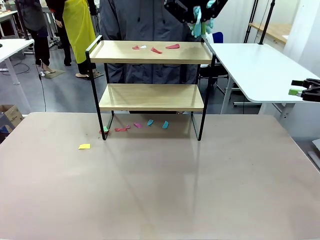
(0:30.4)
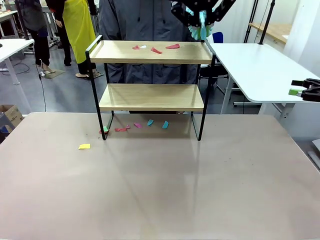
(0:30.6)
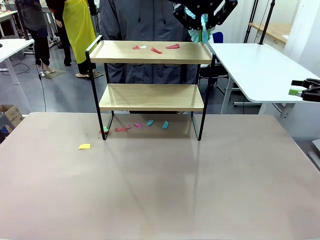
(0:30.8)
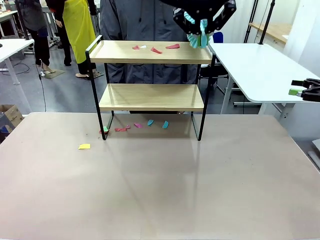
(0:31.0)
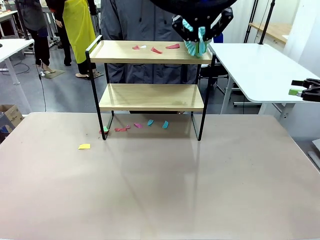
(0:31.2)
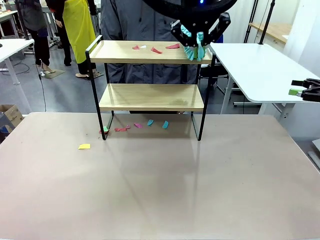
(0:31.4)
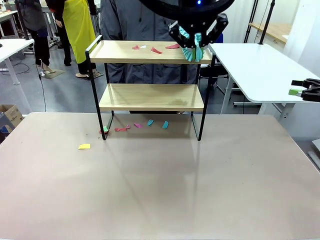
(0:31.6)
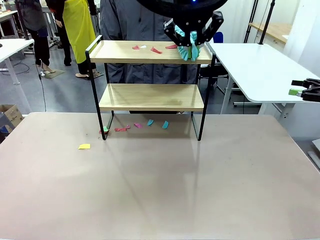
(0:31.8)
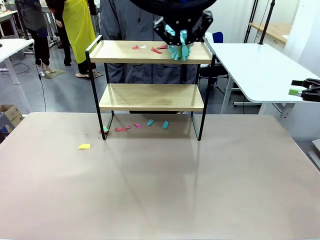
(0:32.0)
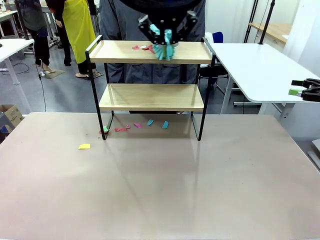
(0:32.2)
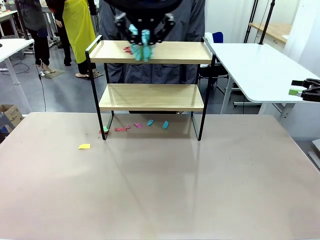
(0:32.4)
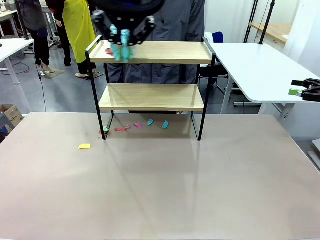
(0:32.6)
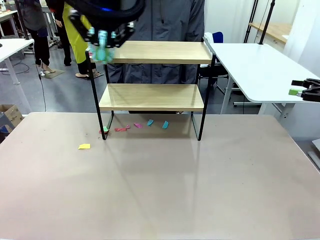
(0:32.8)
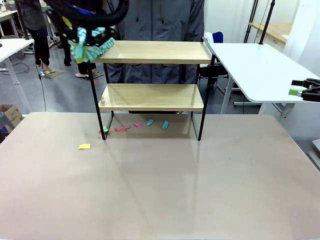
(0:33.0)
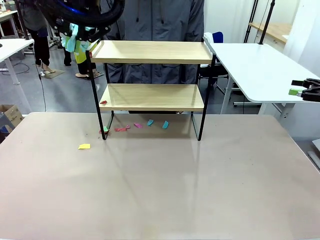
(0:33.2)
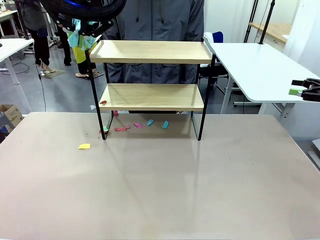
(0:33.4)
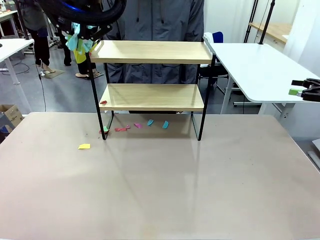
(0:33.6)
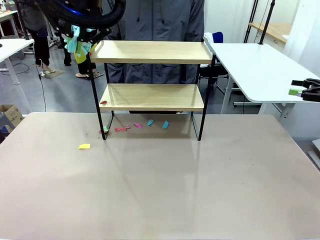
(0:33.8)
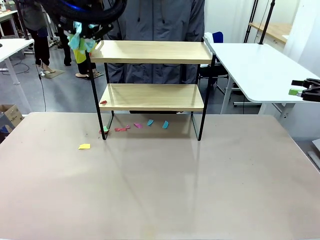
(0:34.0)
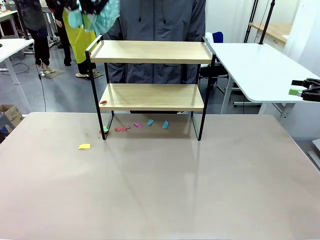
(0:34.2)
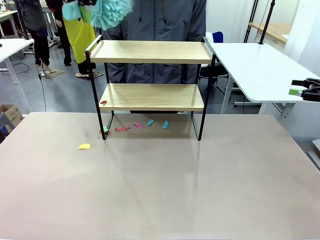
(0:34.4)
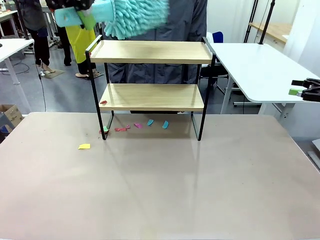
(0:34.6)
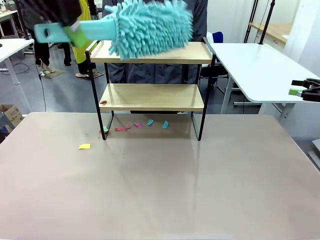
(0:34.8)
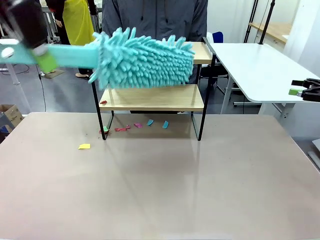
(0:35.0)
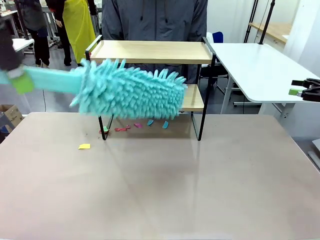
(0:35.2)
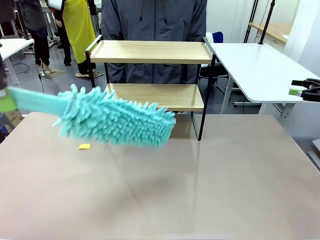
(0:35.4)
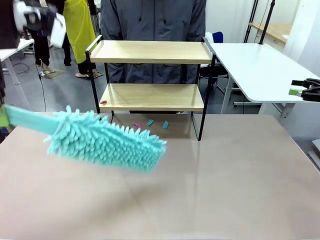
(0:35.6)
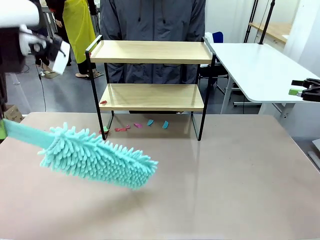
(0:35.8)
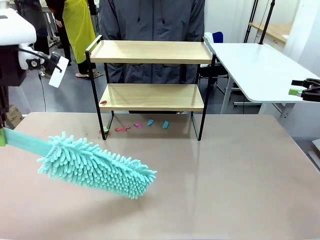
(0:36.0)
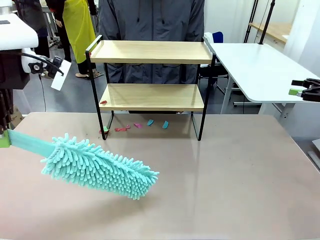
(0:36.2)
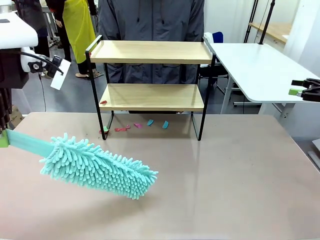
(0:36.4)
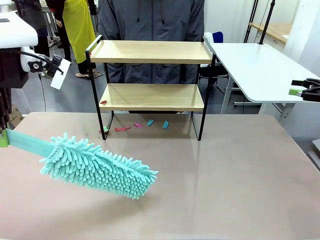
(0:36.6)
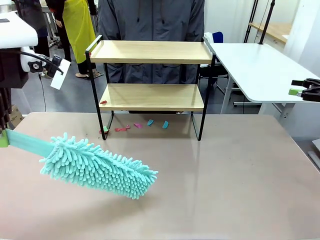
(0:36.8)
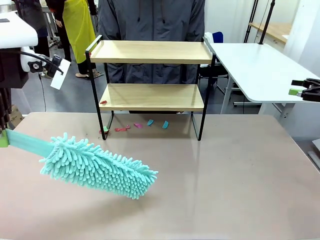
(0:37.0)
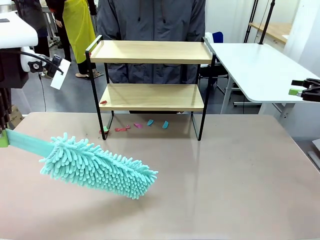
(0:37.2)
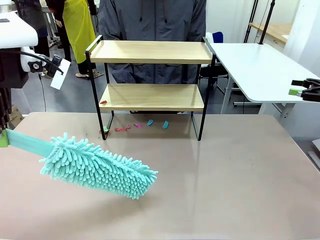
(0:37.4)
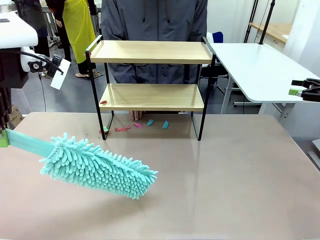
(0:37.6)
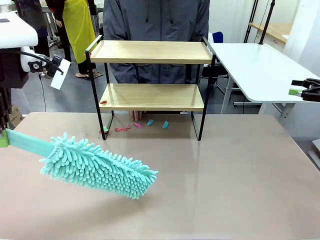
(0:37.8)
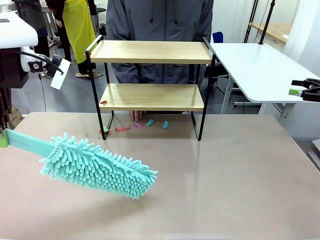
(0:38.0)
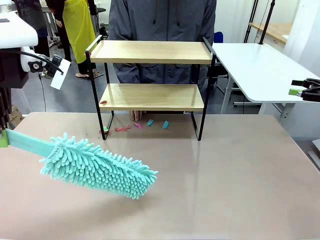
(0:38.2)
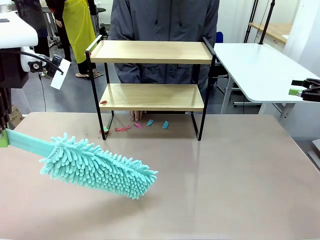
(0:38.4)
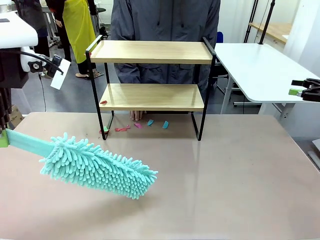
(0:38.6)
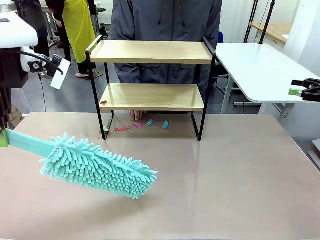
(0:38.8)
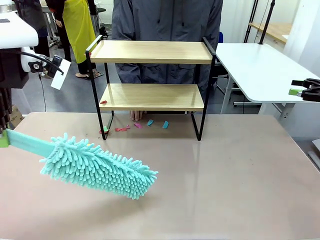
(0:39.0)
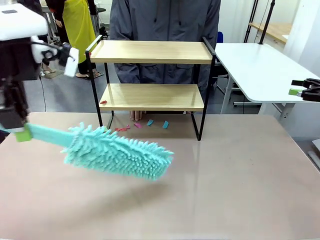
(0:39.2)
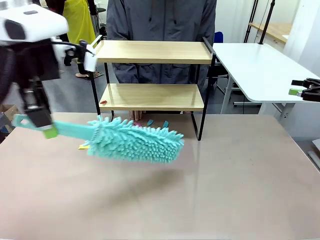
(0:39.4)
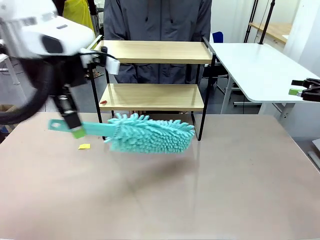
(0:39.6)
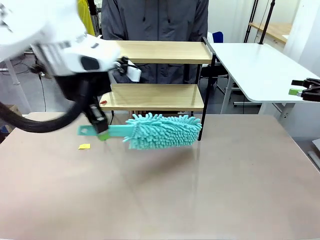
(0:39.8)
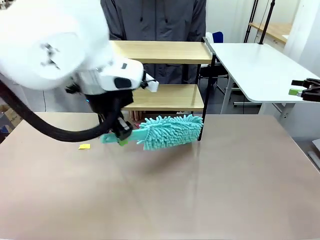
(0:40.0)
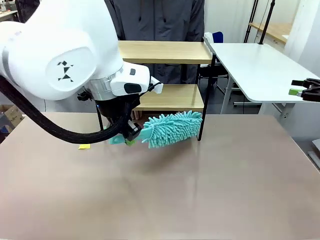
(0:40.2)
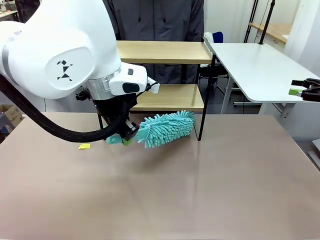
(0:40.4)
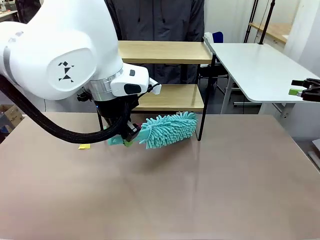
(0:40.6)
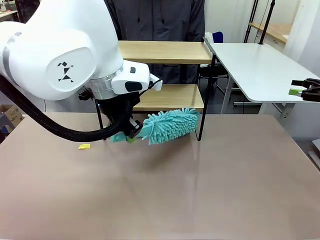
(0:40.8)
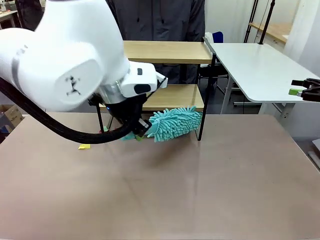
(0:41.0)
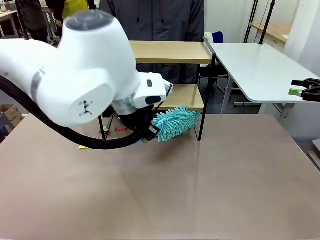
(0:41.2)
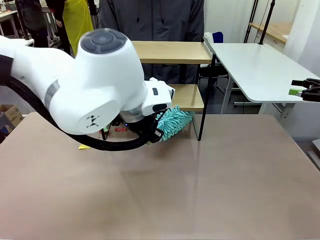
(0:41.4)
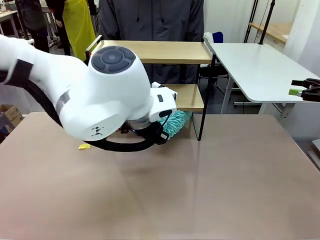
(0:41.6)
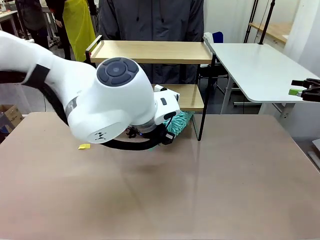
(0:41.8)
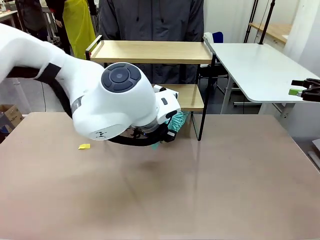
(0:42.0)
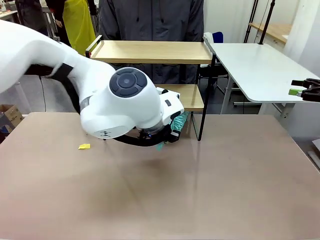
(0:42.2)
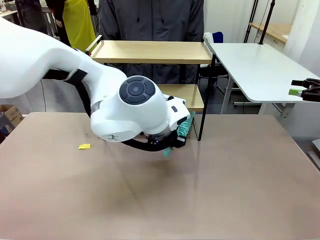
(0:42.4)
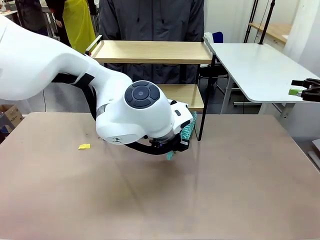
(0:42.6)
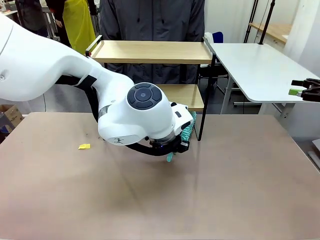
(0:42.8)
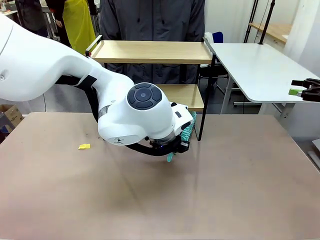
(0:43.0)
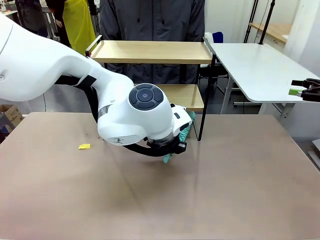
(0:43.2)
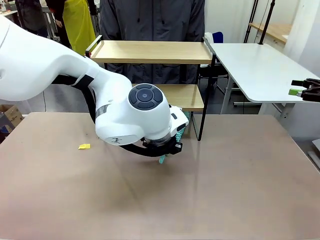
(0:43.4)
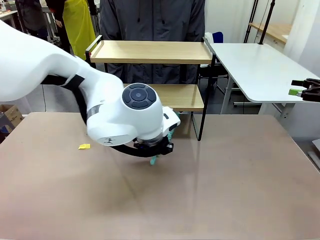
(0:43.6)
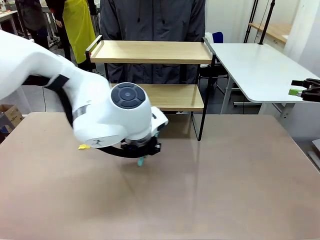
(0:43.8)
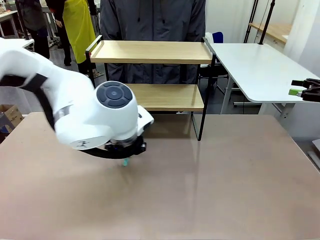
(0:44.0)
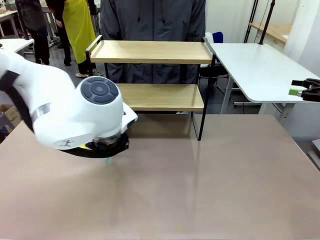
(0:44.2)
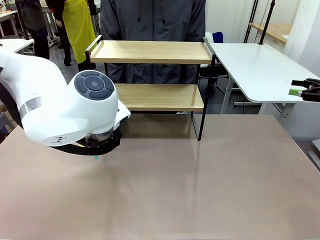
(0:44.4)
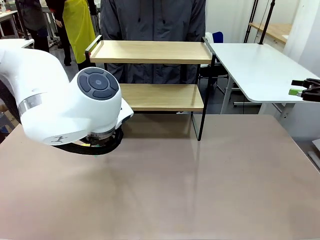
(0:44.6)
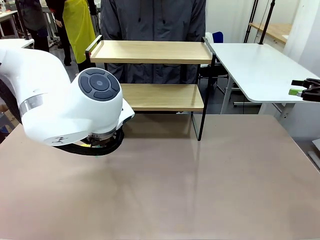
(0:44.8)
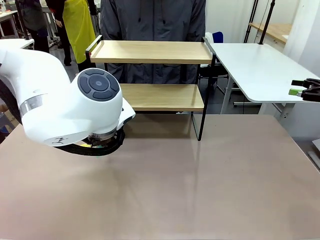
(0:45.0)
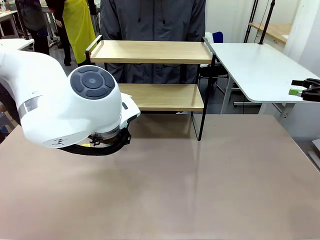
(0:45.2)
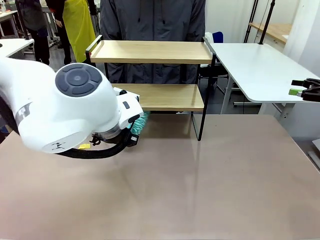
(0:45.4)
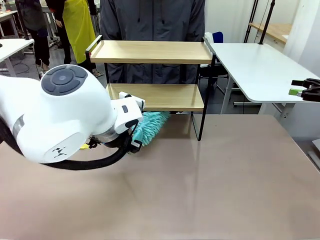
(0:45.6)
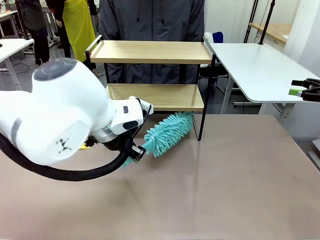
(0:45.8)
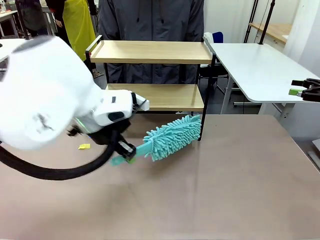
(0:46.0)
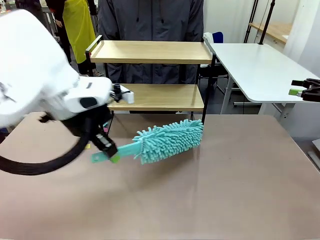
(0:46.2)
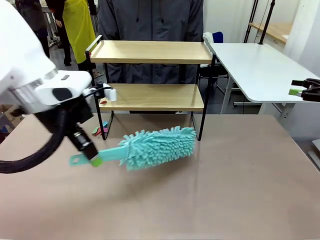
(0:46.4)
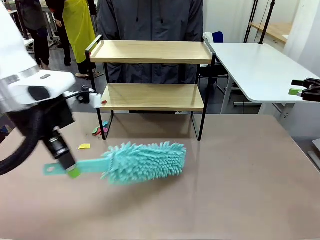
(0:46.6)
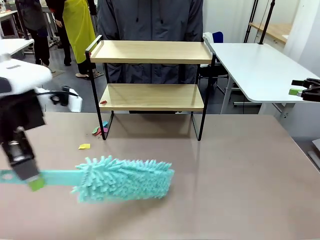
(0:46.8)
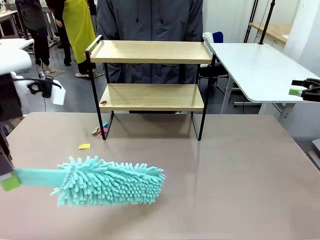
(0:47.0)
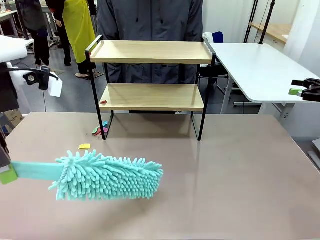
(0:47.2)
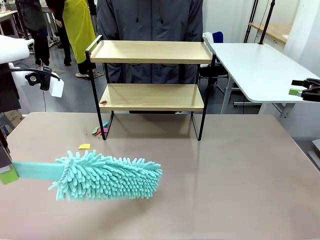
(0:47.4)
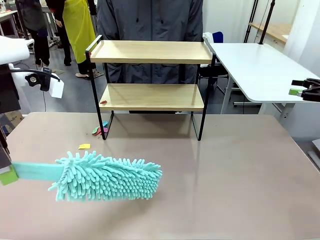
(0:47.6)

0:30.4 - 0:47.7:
Task: Clean the shelf.
Robot: Clean the specific section of the Shelf indicated by the human with the Duster.
Person: Point a remaining section of the Shelf.
